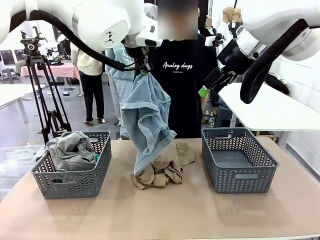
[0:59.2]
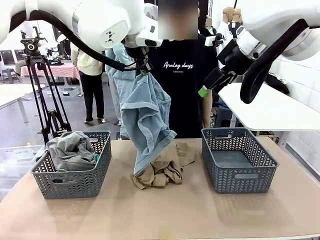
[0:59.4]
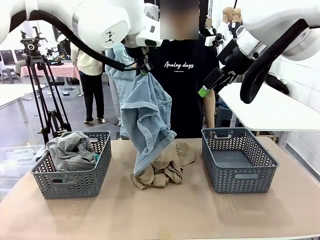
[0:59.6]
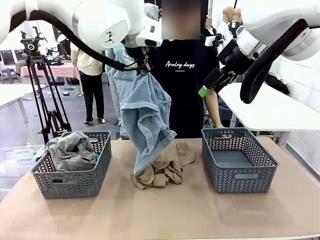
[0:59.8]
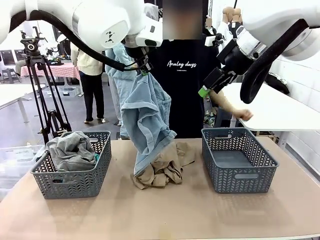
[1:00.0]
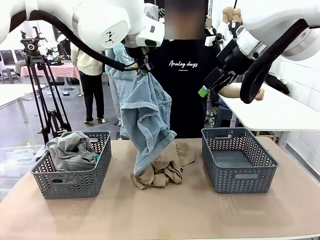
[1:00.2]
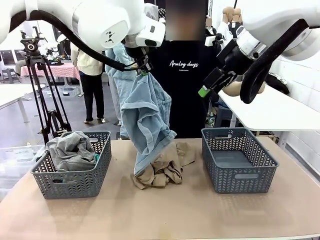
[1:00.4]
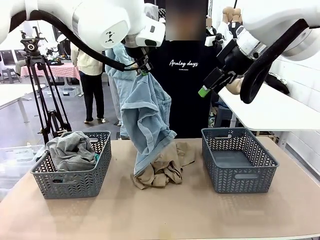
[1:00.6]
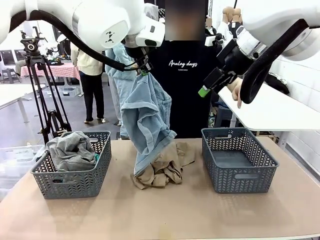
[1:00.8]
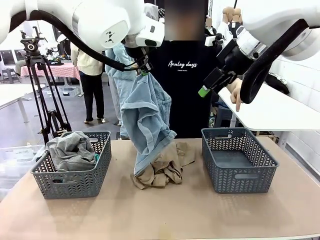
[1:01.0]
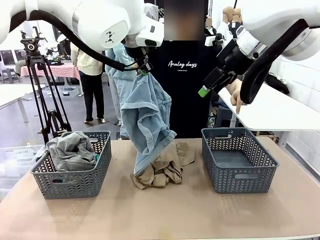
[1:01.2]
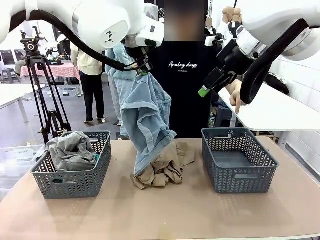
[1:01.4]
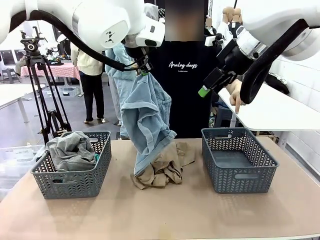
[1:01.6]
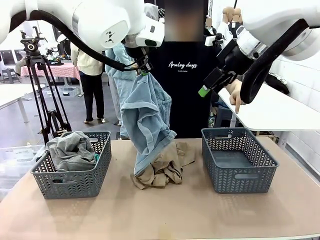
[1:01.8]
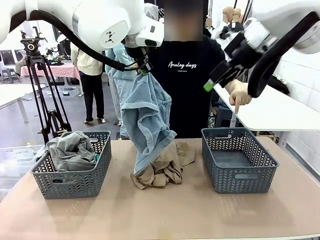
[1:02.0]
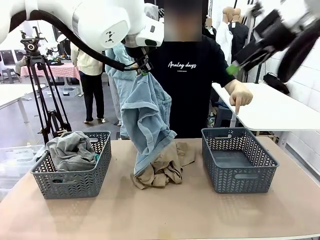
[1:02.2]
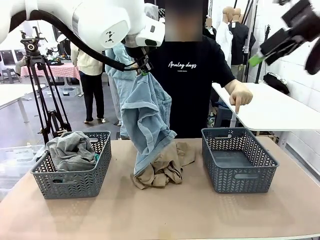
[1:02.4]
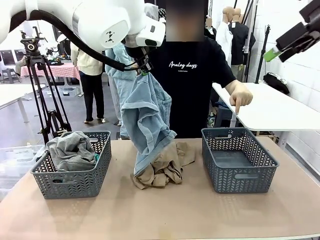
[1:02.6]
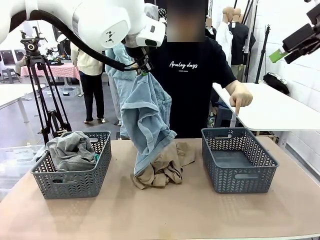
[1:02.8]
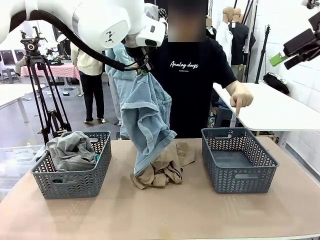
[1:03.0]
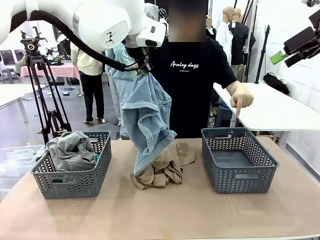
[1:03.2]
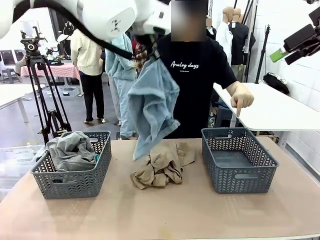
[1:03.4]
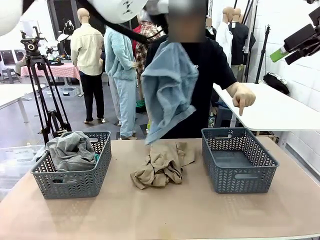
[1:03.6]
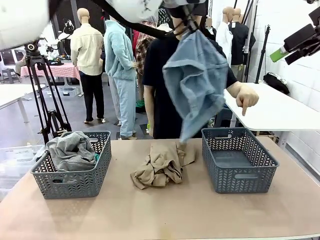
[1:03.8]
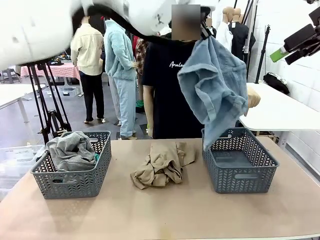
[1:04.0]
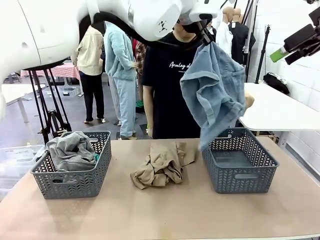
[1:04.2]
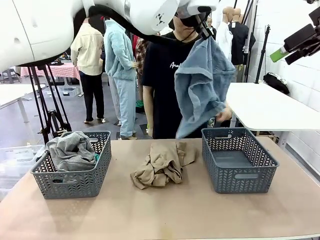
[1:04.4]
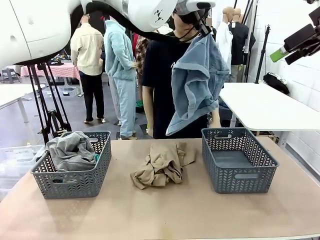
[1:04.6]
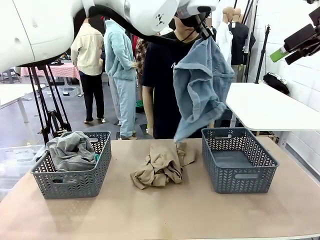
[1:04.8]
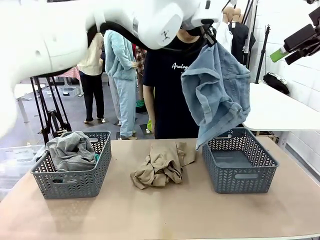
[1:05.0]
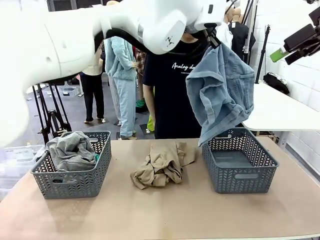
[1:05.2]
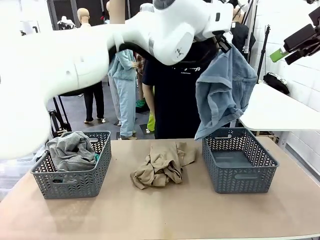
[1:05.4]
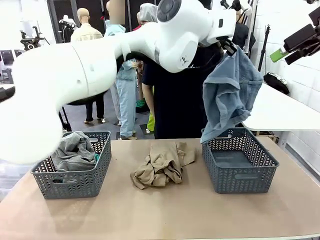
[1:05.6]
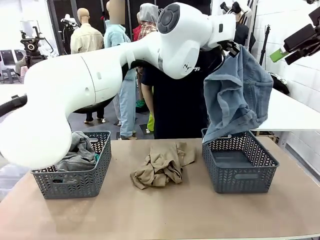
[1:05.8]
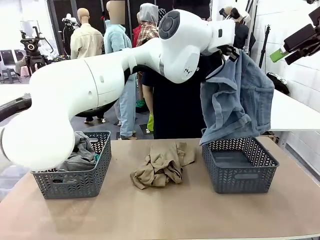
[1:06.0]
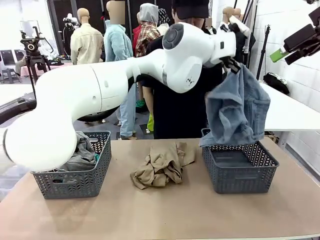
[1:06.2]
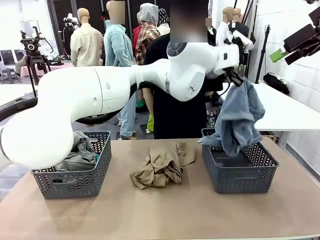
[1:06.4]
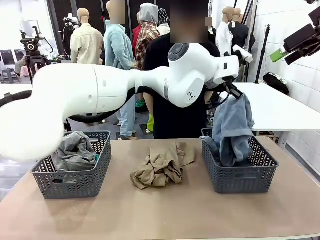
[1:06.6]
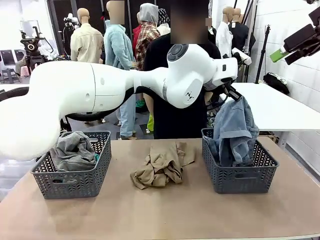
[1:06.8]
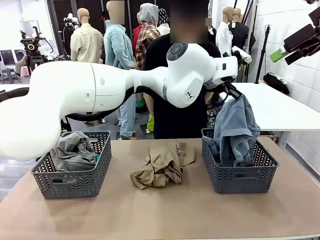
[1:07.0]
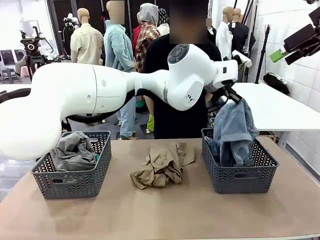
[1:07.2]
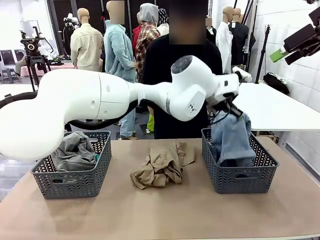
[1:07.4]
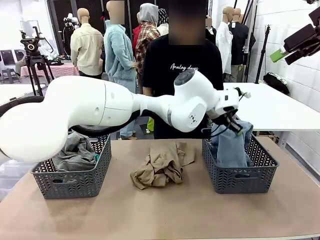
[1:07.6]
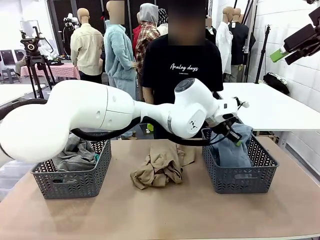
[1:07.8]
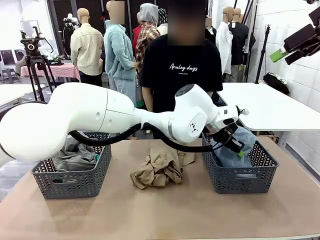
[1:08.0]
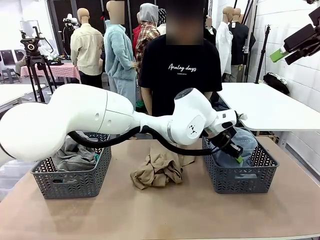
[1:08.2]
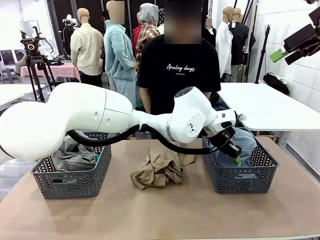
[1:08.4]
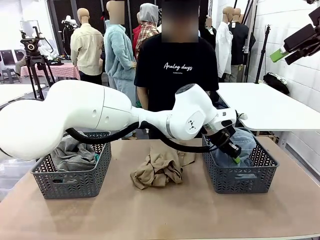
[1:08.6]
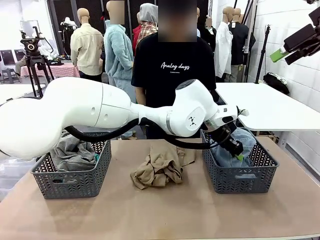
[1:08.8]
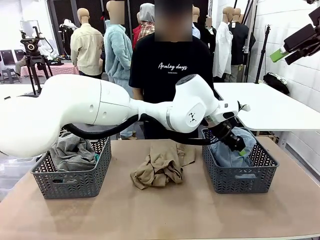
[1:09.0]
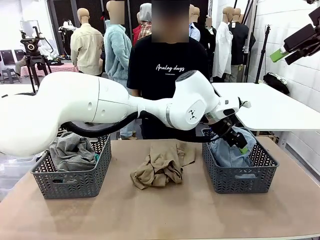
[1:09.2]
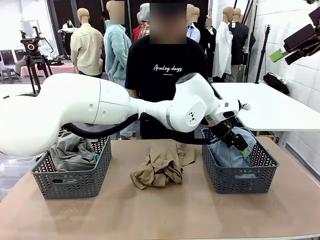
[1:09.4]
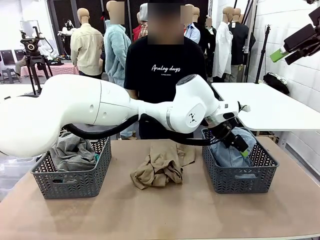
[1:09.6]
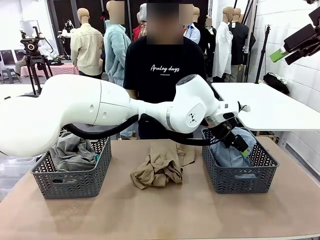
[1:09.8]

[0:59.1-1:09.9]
Task: Sort the tops and bottoms.
Robot: Sort the clothes according to human instructions.

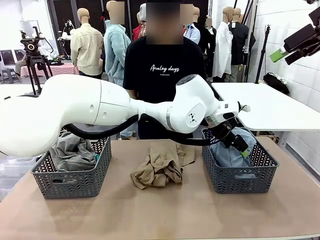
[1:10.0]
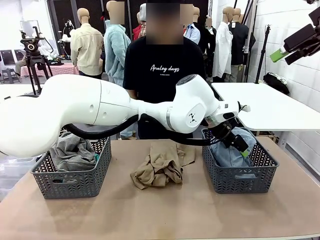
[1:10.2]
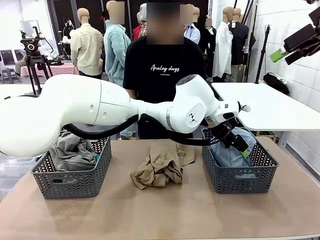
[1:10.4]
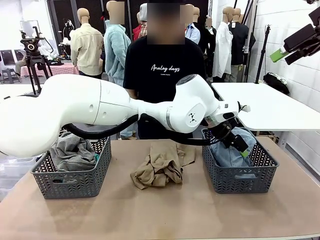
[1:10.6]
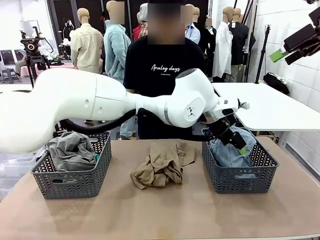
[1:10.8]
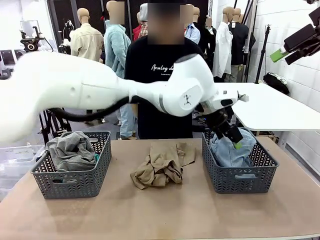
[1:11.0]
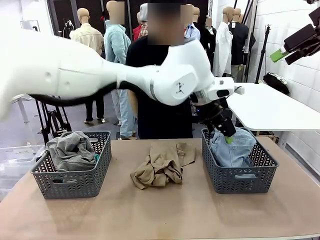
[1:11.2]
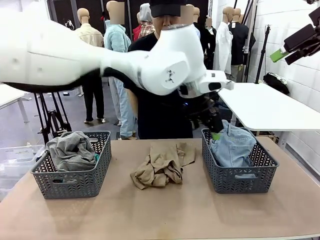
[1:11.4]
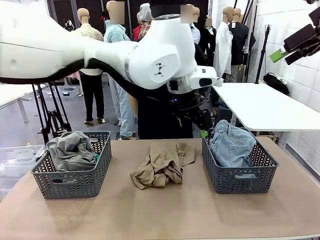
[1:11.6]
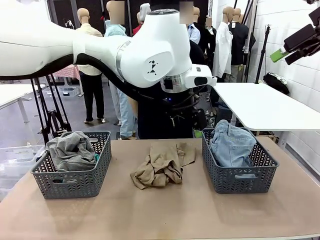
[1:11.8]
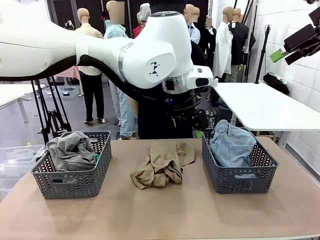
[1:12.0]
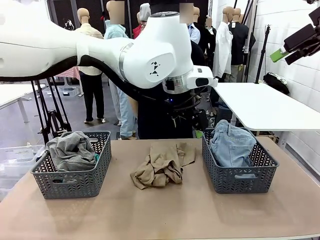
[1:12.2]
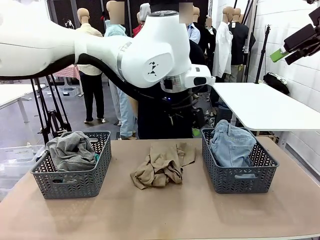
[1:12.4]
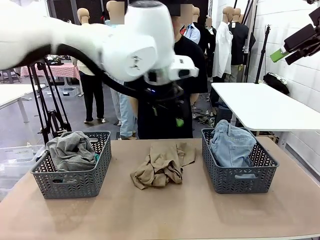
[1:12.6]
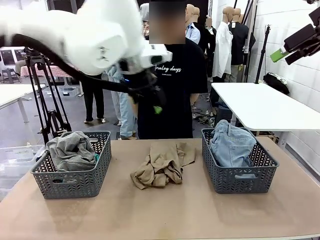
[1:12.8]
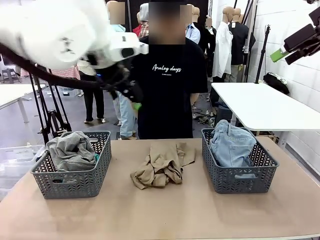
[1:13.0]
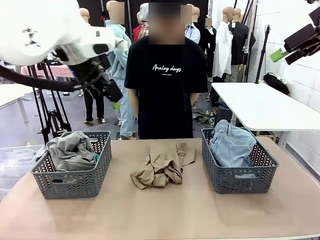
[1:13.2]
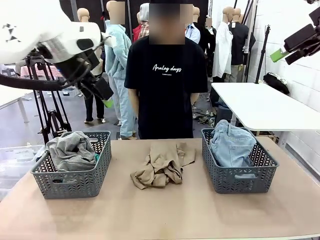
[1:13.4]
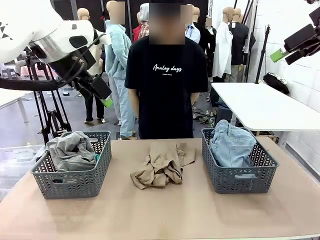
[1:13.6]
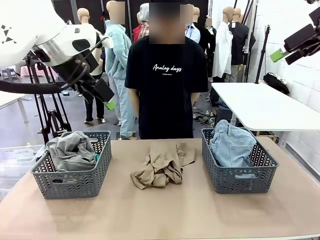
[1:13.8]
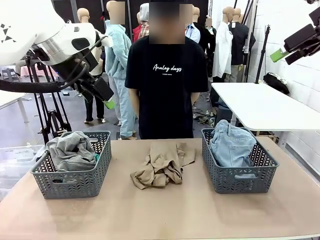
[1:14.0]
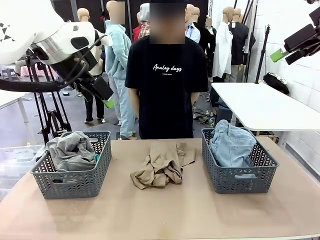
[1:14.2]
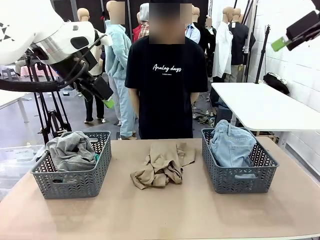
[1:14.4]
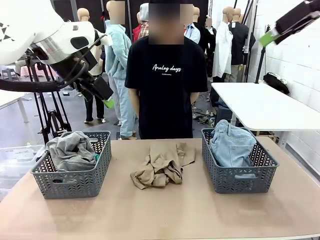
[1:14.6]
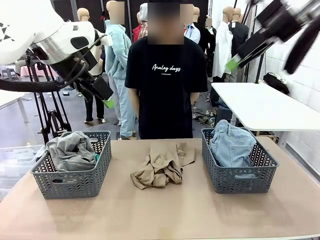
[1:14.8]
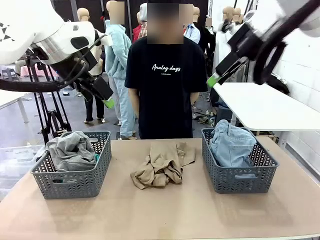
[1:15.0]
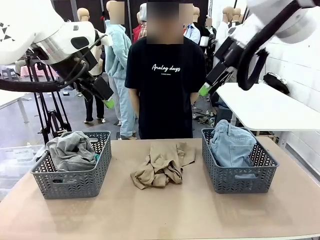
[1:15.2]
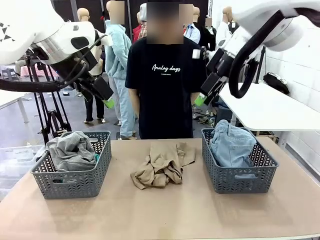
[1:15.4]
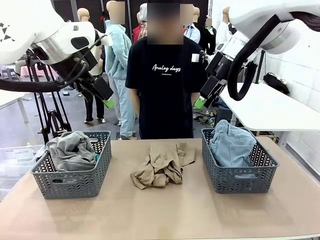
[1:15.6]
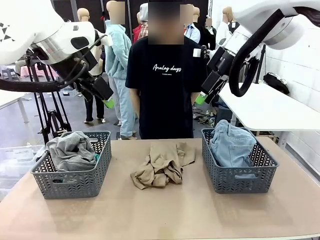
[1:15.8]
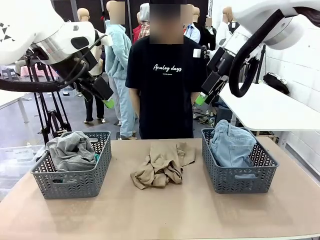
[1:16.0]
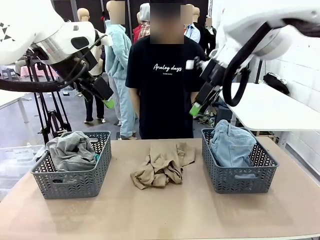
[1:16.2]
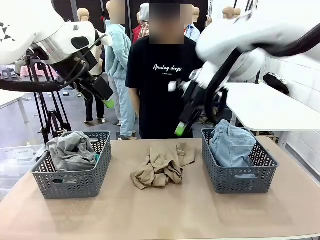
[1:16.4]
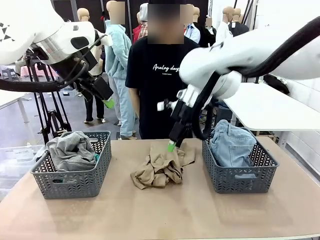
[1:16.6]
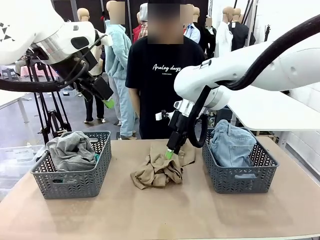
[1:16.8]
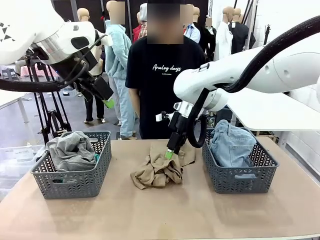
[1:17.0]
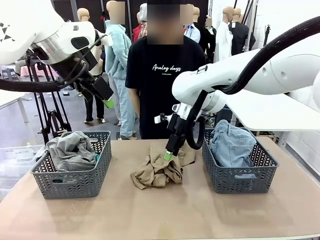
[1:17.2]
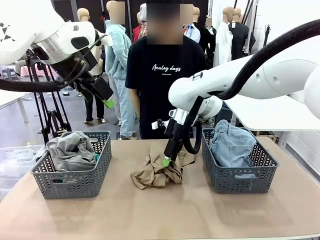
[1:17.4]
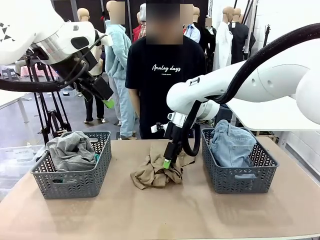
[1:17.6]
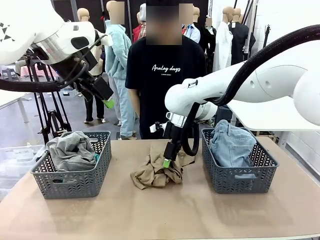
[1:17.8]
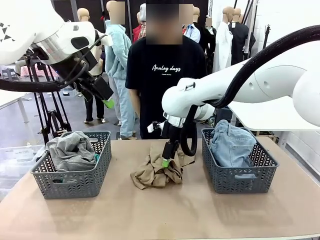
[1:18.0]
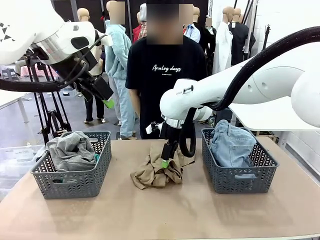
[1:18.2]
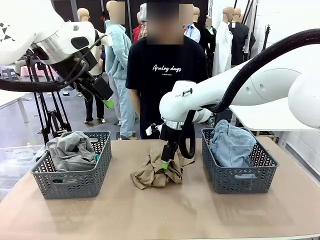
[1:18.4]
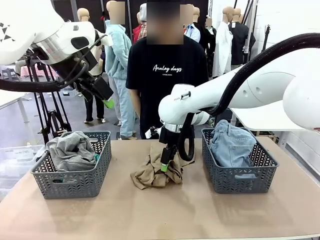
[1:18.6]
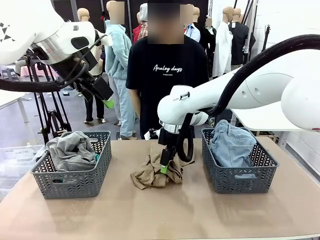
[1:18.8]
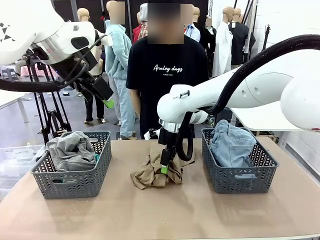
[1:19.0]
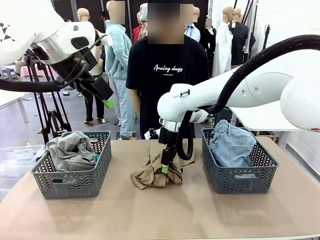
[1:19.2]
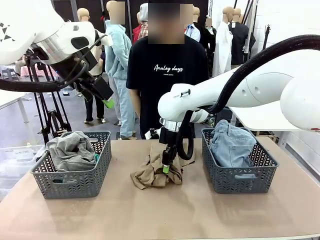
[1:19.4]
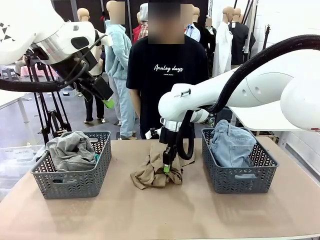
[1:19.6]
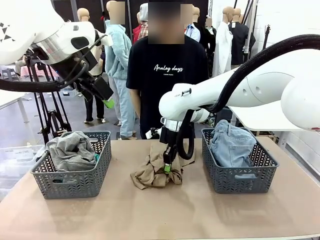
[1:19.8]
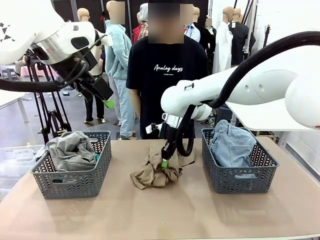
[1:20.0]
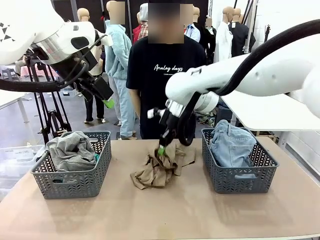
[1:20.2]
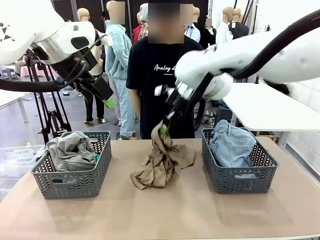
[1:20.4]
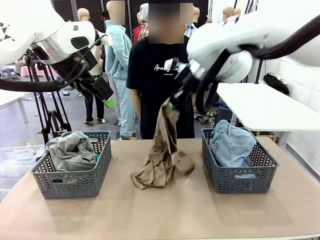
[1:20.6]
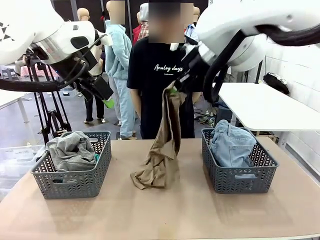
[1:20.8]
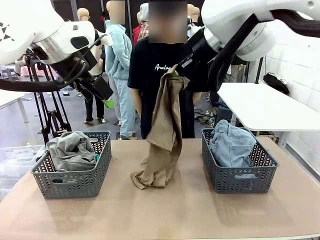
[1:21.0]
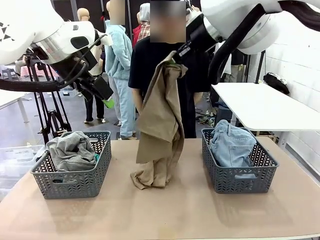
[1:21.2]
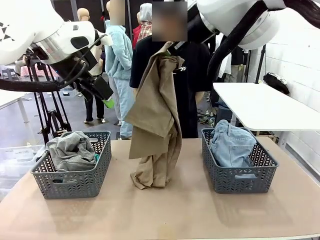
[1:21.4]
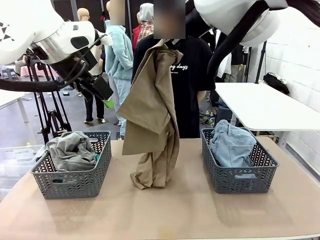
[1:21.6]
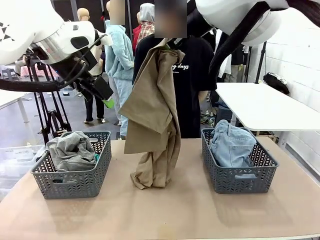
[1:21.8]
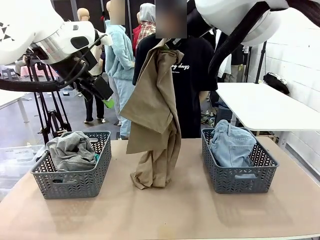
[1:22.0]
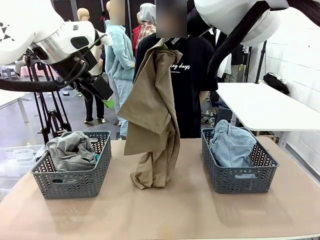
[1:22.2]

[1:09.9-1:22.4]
Robot: Lift clothes from the center of the table with your right hand.
